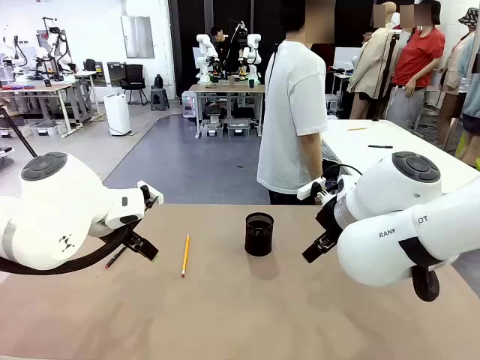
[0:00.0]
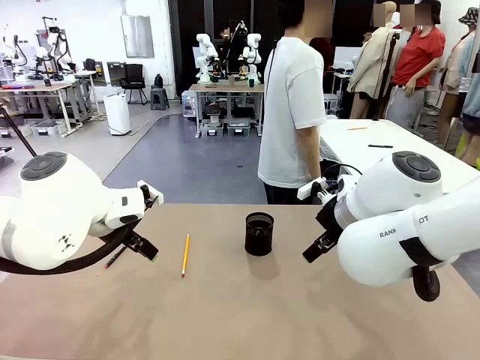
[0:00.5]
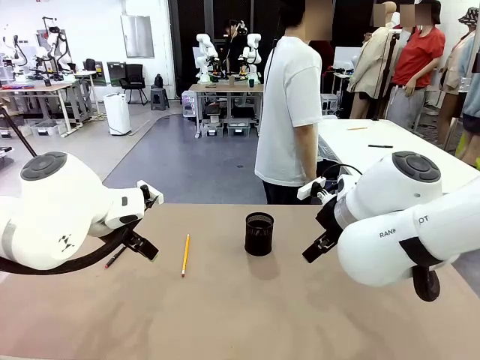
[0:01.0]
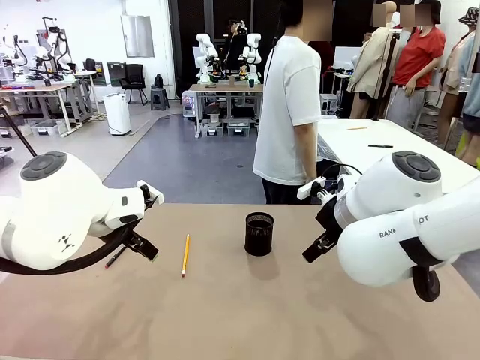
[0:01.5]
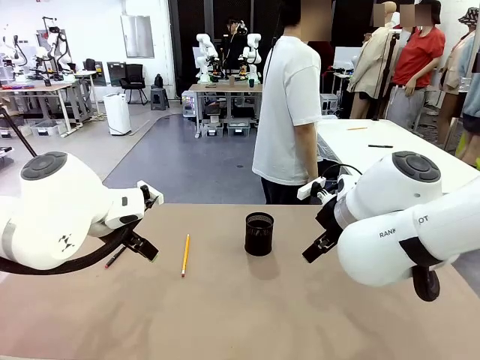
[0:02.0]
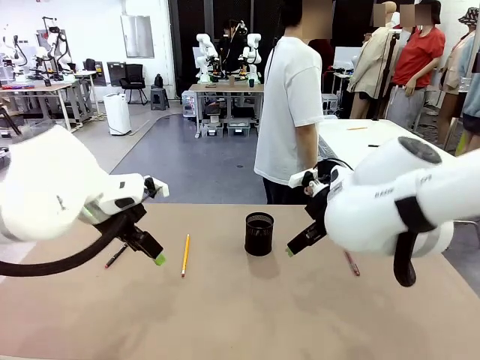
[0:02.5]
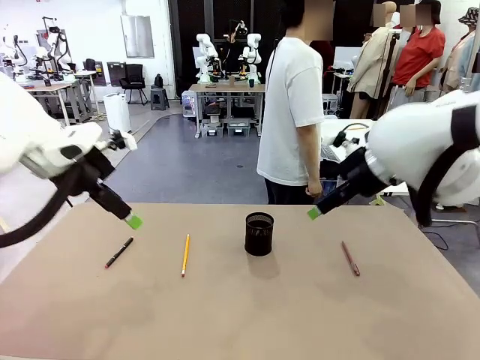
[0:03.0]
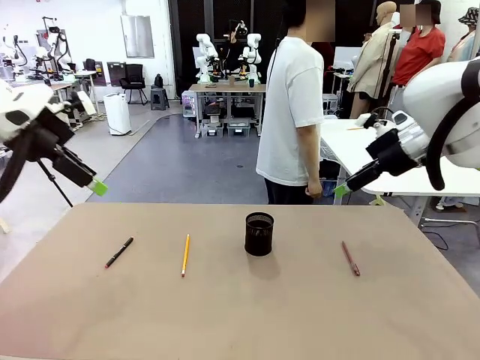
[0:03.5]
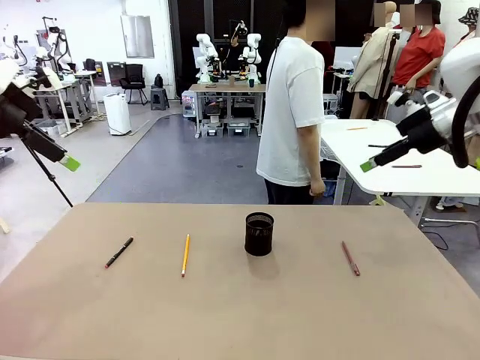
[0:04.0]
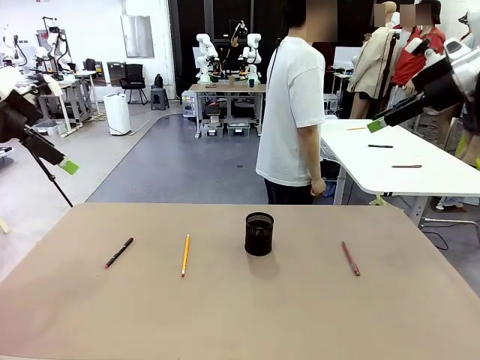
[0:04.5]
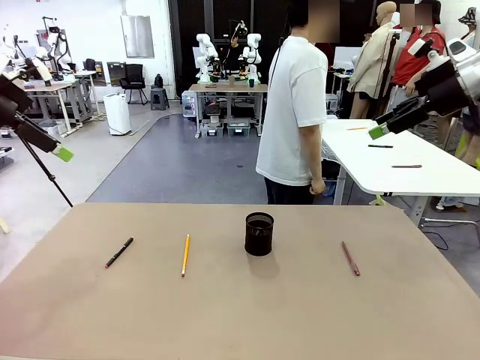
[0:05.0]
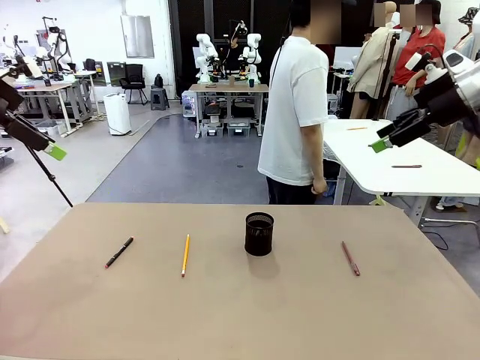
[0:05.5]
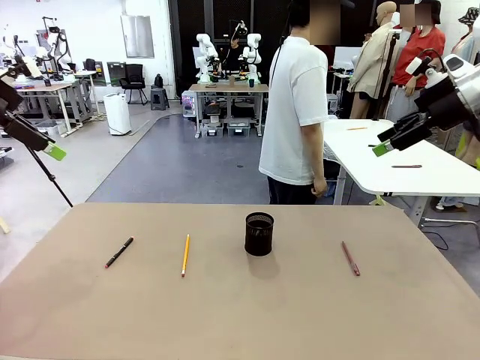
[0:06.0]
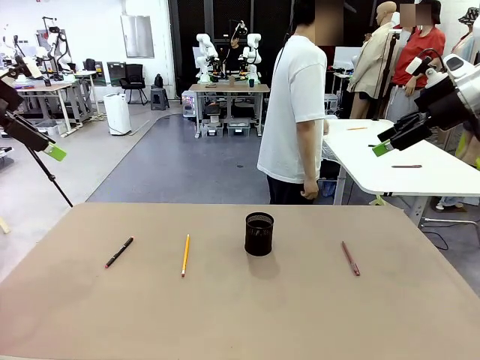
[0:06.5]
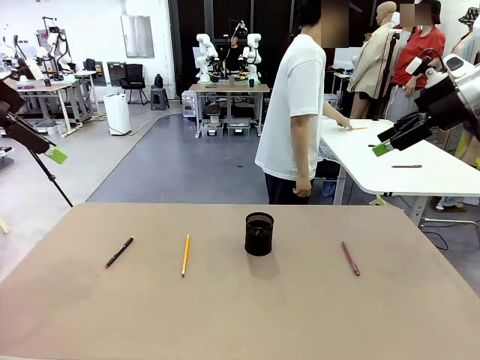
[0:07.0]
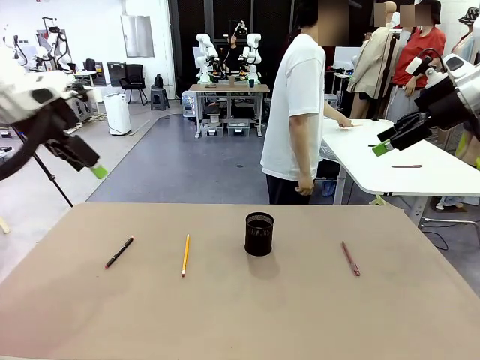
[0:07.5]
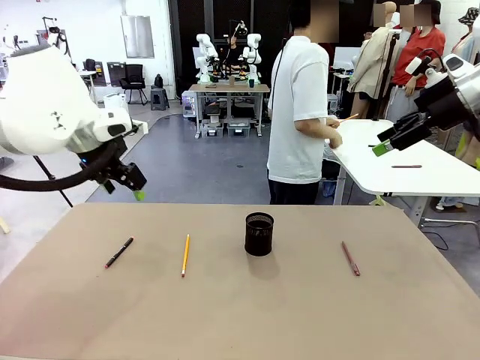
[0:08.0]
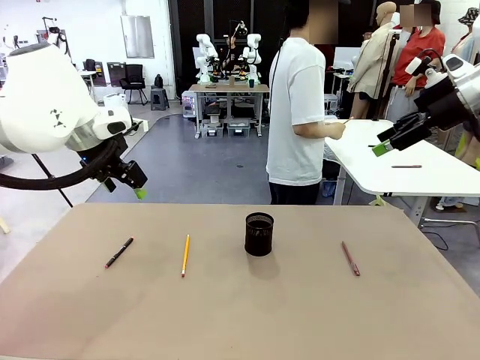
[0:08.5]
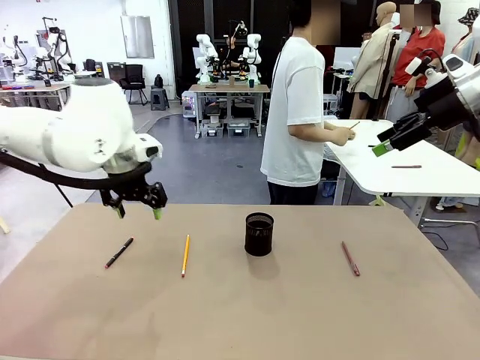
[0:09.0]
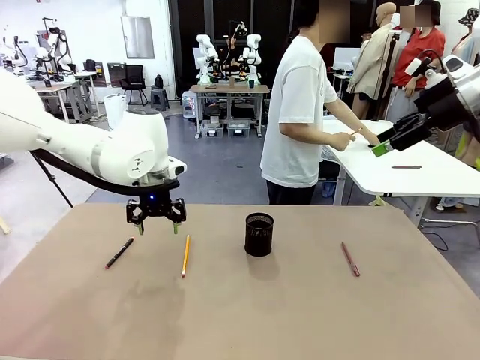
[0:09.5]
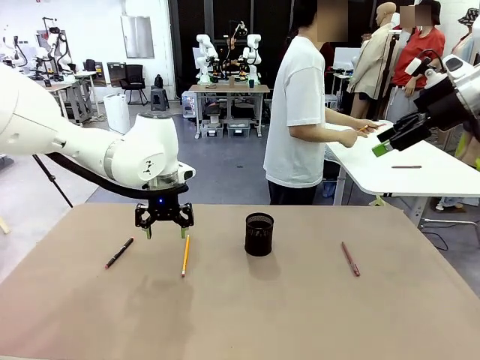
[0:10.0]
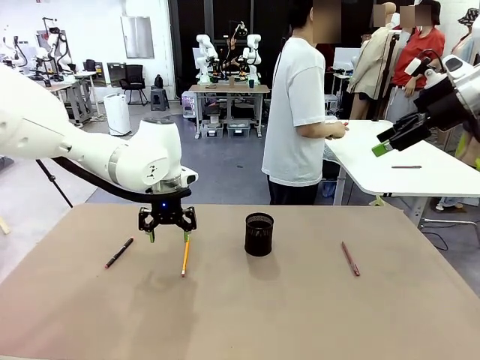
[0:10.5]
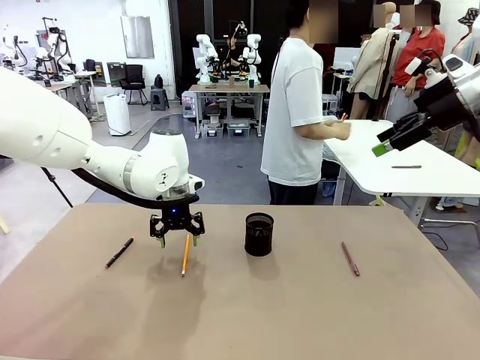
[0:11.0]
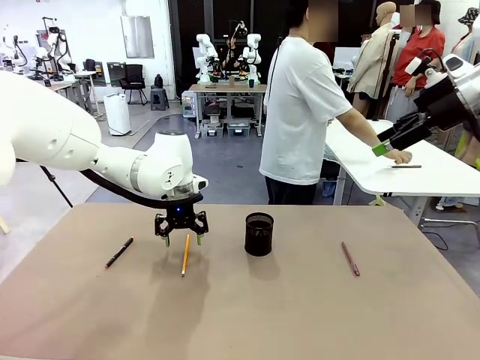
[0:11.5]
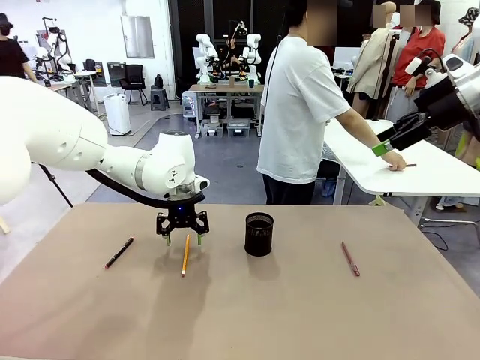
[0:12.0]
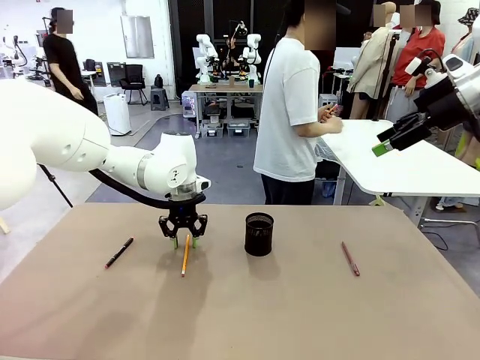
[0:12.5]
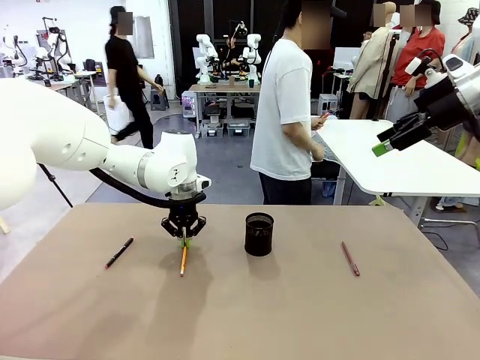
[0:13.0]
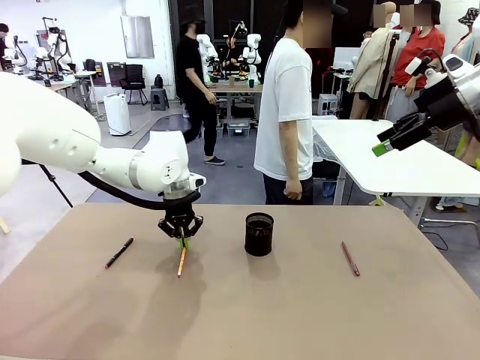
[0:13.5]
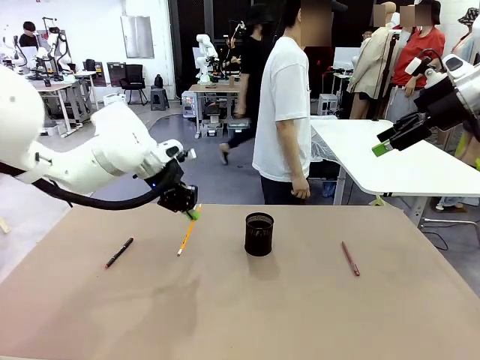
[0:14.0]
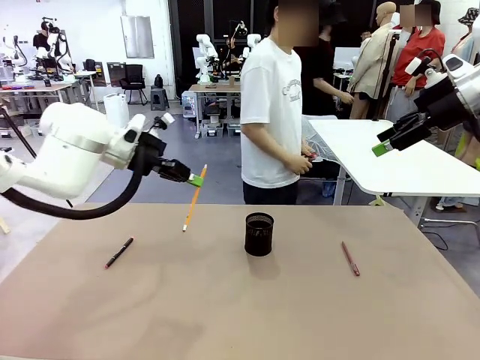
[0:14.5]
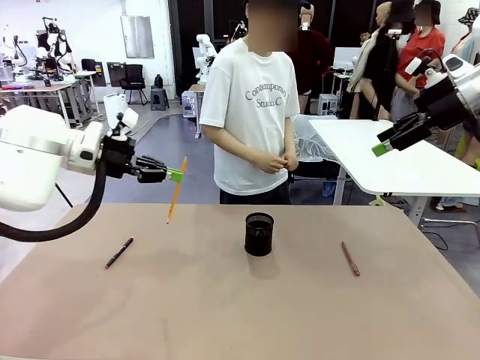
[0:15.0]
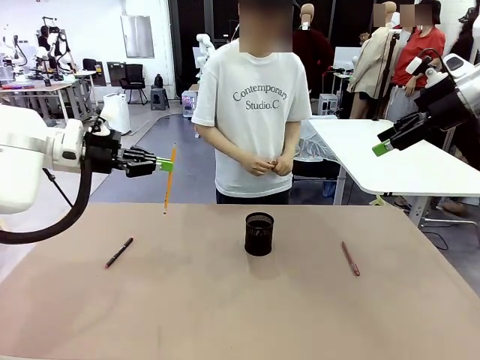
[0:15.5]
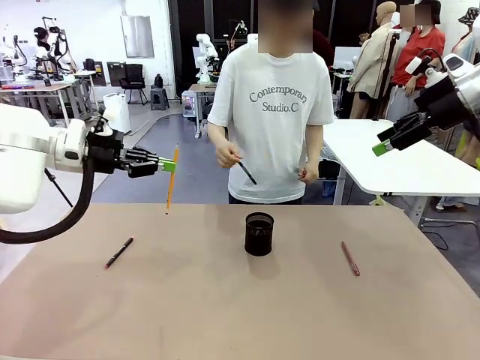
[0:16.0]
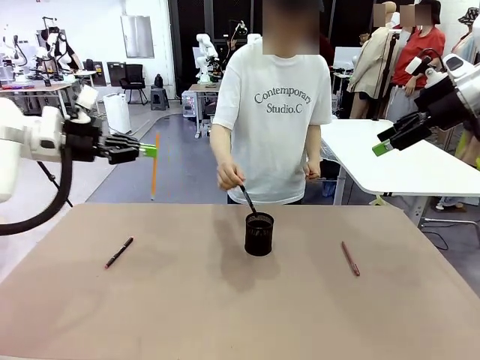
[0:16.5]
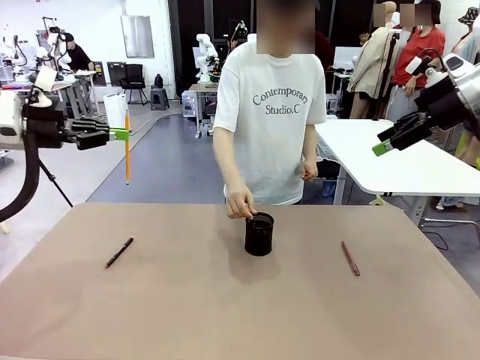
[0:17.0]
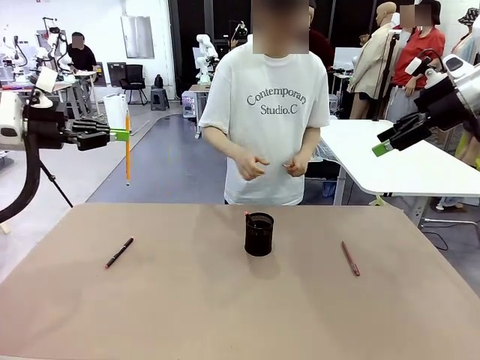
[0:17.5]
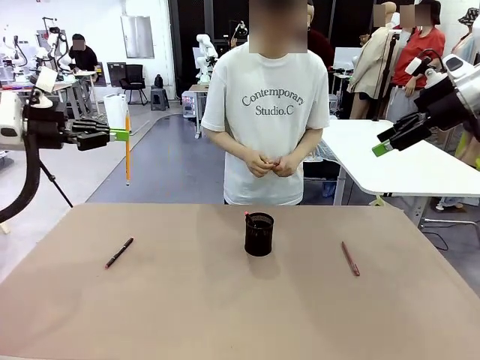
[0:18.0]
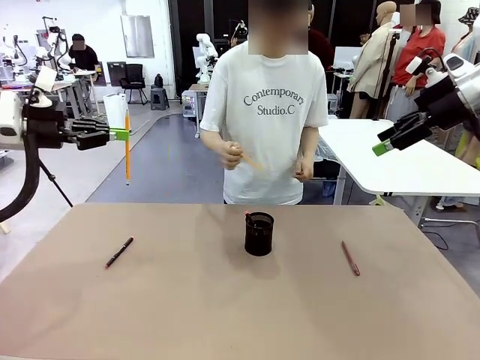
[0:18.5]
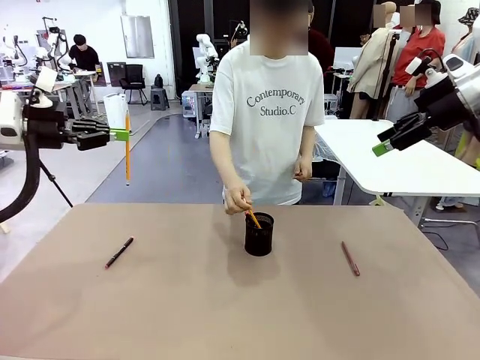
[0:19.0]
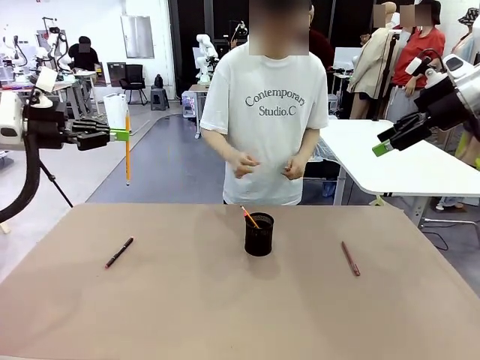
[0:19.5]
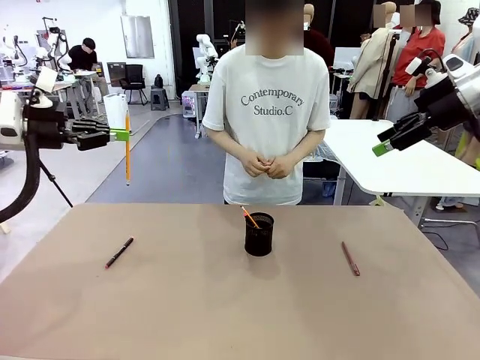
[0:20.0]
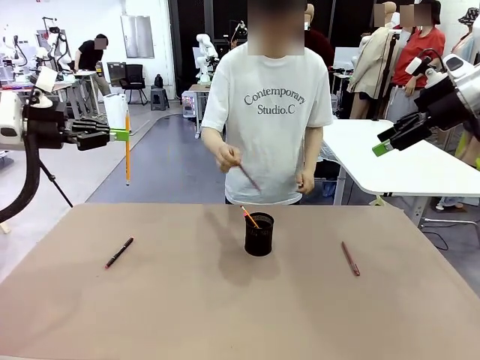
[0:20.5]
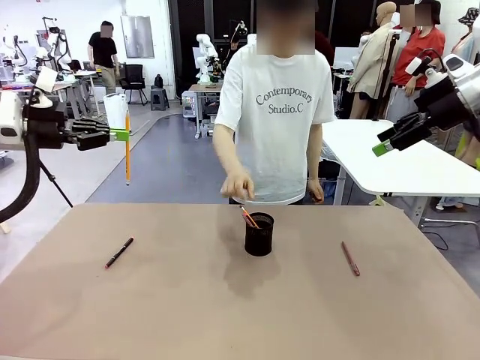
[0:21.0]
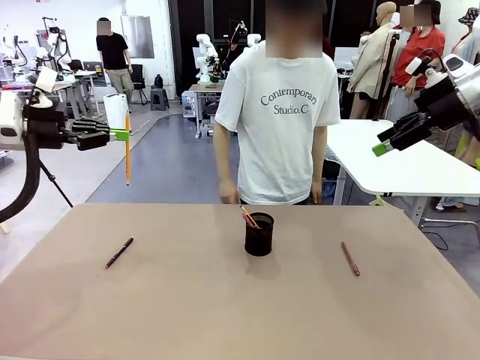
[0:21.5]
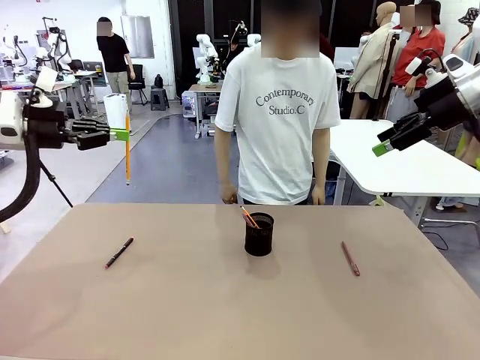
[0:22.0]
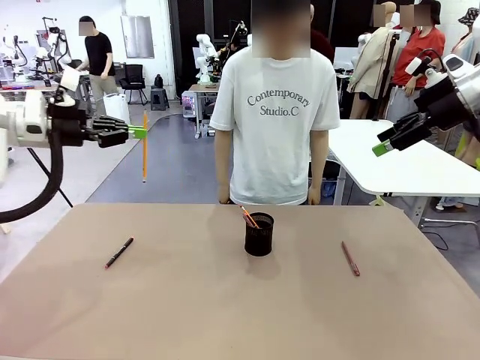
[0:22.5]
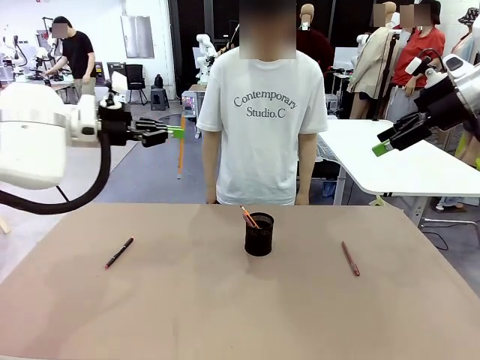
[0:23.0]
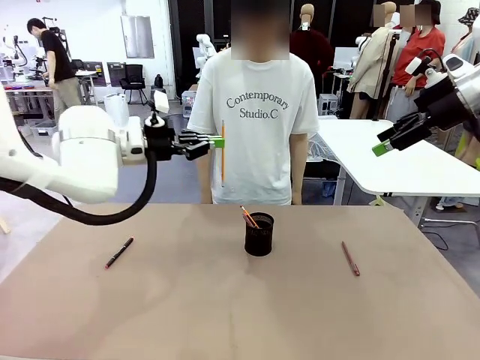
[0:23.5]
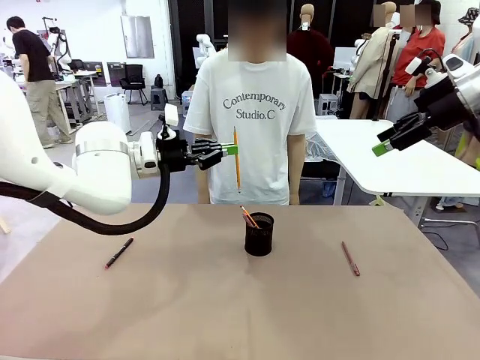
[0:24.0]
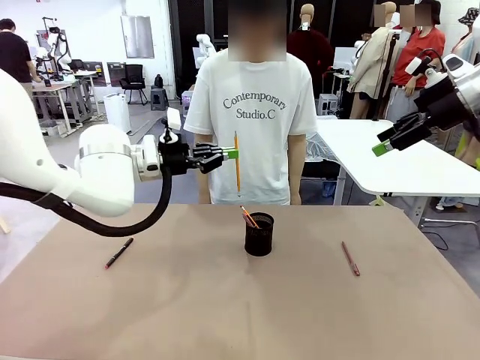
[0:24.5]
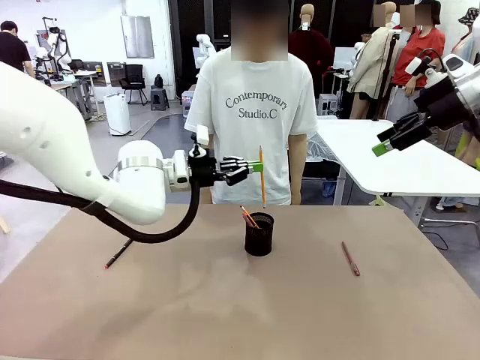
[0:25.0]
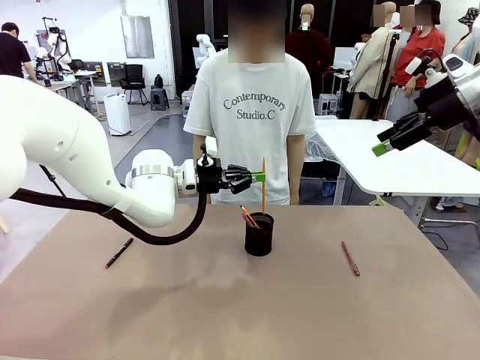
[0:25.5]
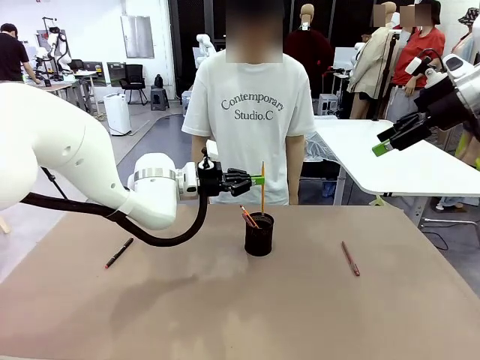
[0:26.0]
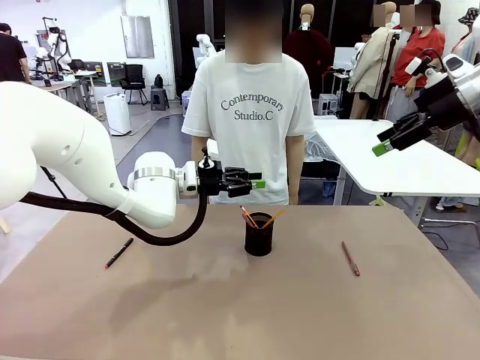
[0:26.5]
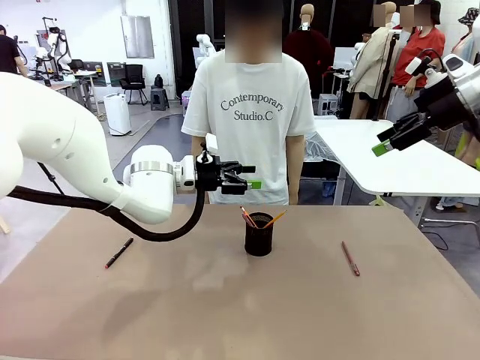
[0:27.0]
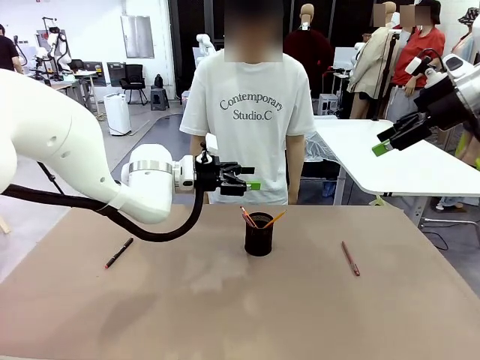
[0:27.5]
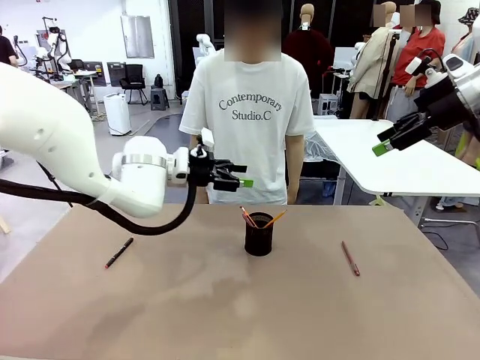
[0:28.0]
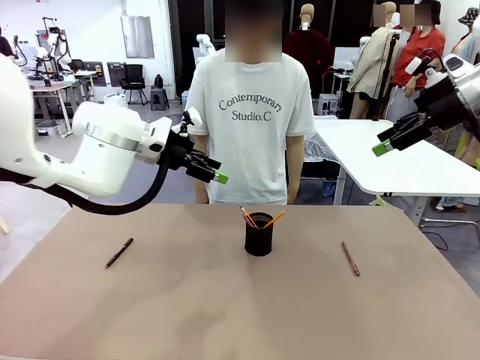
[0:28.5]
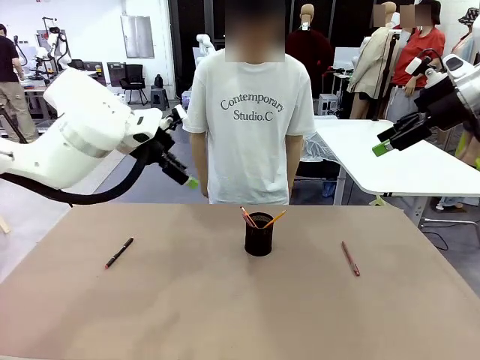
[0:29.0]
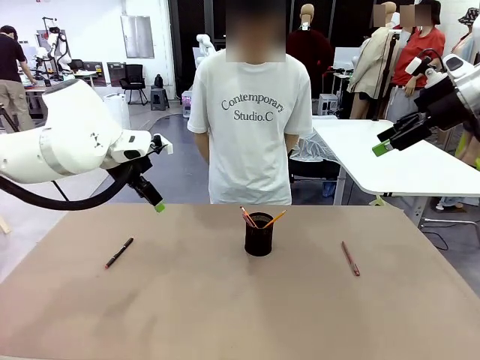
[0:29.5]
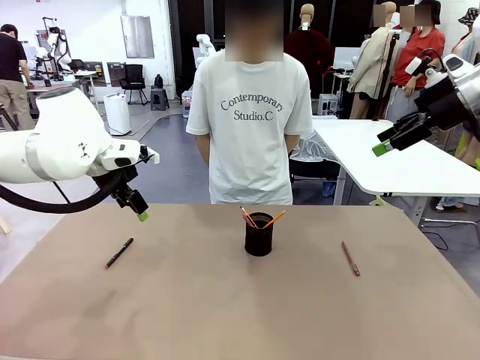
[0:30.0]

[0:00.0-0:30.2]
Task: Place the pens into the pen holder.
Robot: Pick up a writing instrument from the table and place it into the Pen holder.
Person: Pick up all writing instruments from the Human table.
